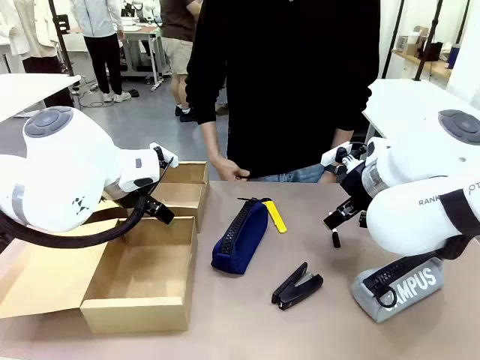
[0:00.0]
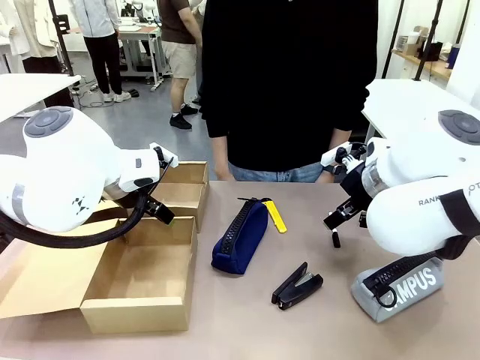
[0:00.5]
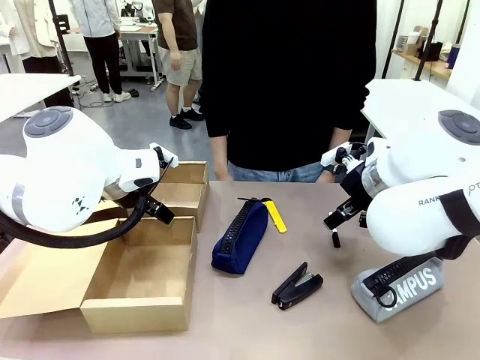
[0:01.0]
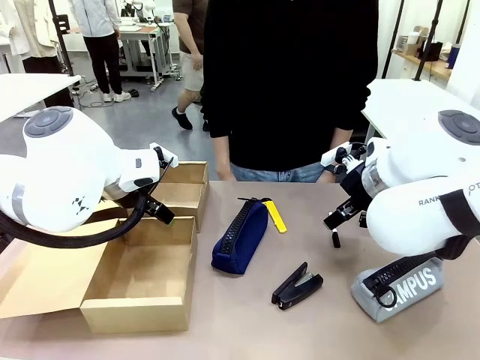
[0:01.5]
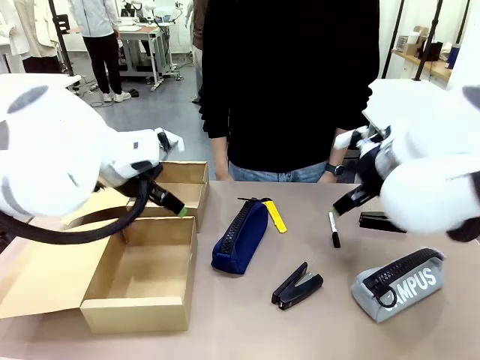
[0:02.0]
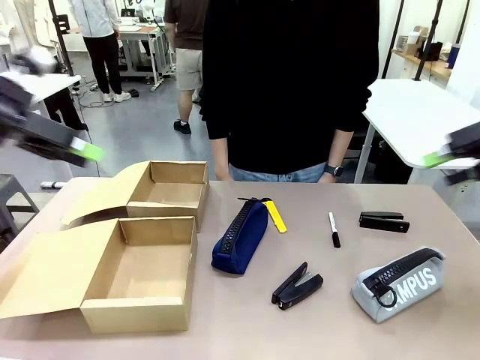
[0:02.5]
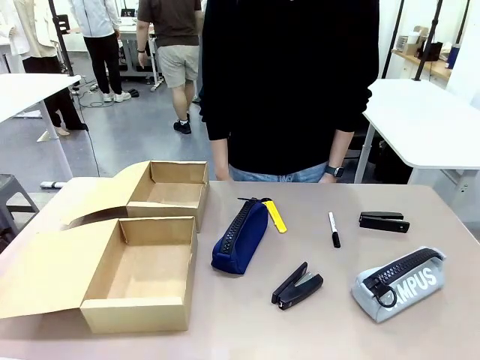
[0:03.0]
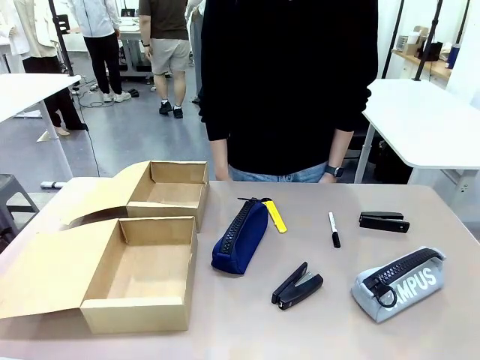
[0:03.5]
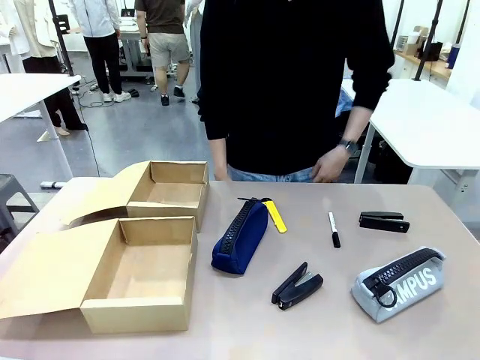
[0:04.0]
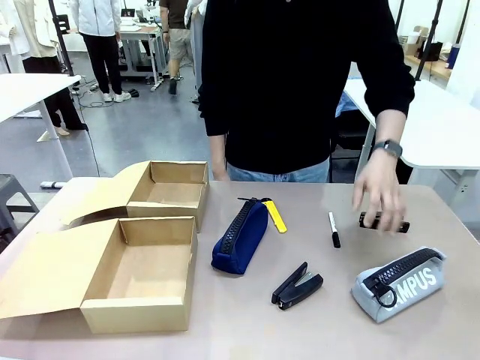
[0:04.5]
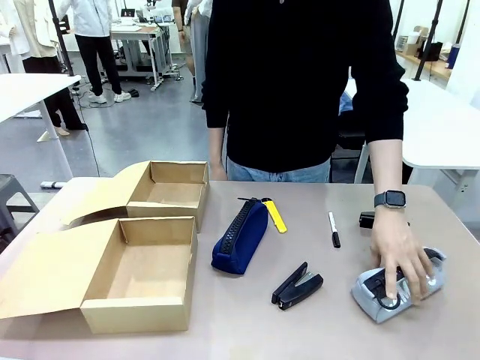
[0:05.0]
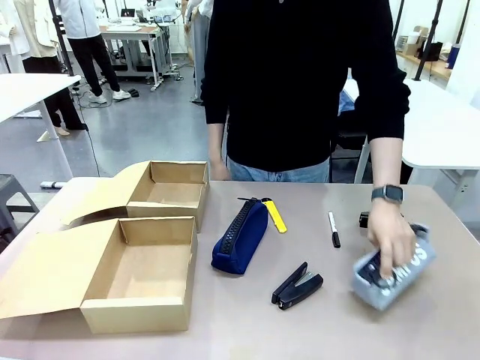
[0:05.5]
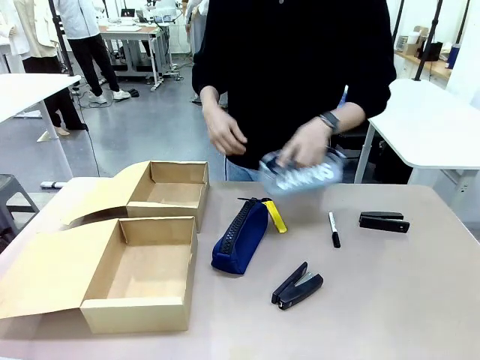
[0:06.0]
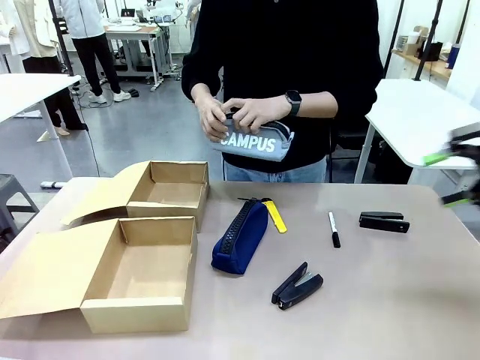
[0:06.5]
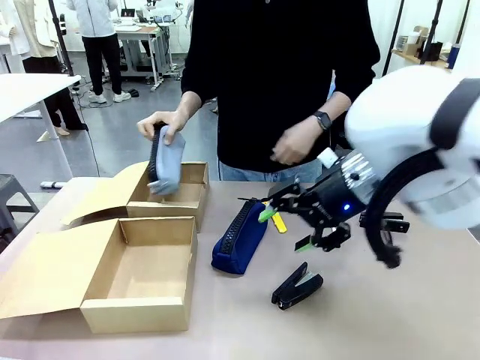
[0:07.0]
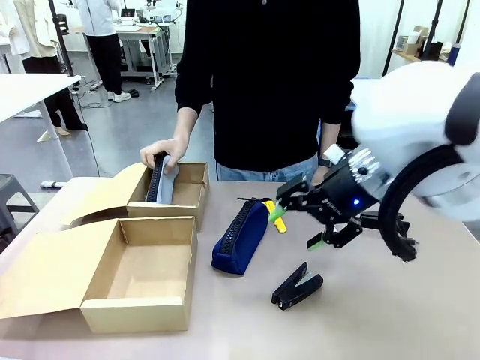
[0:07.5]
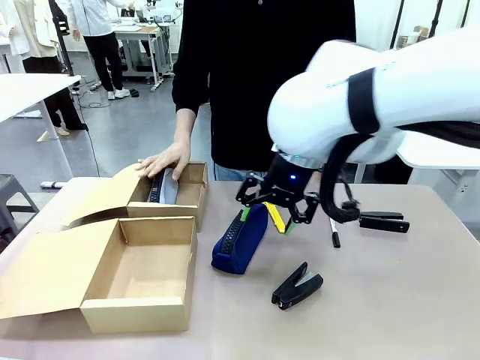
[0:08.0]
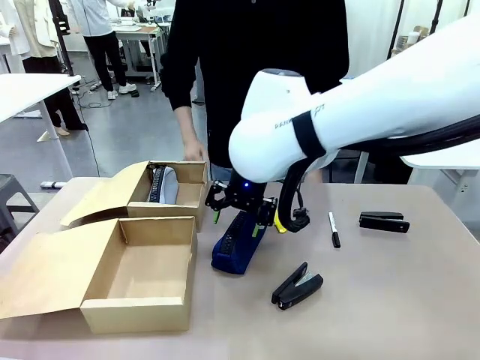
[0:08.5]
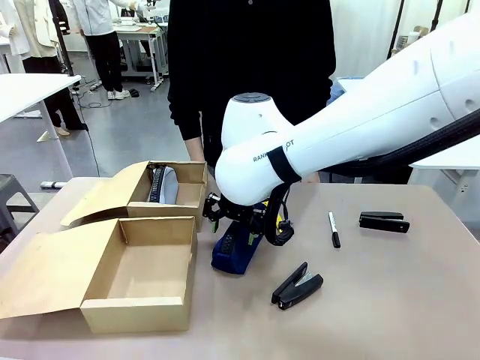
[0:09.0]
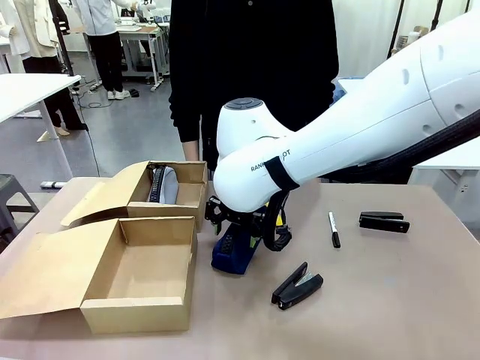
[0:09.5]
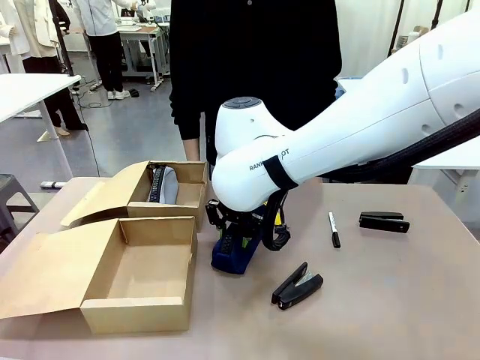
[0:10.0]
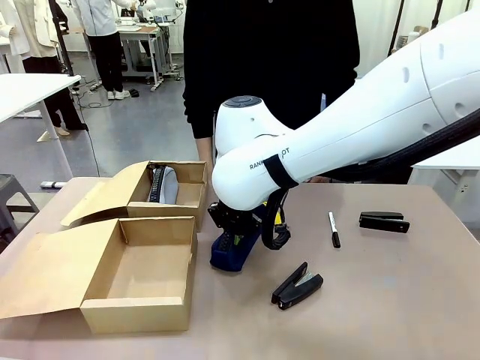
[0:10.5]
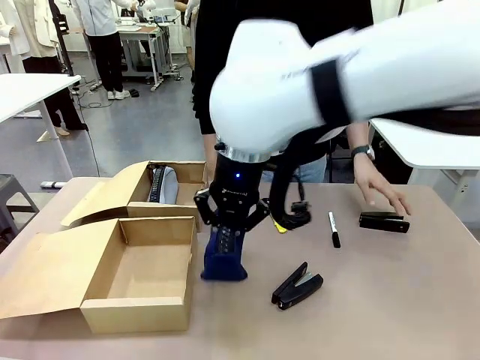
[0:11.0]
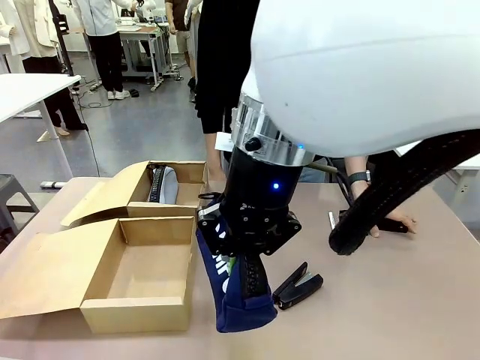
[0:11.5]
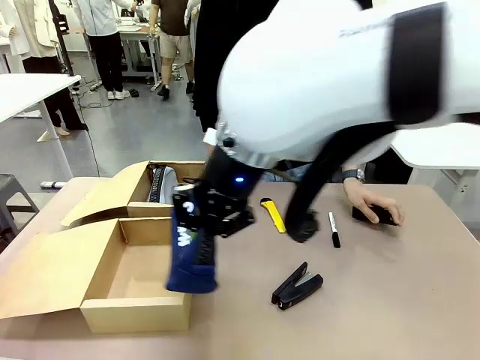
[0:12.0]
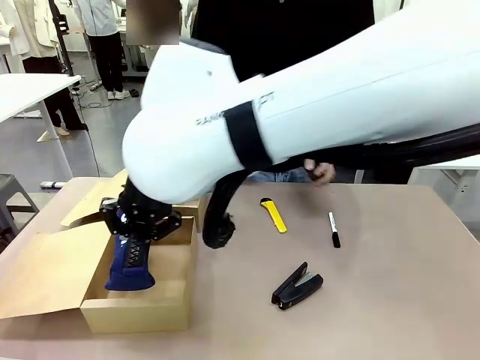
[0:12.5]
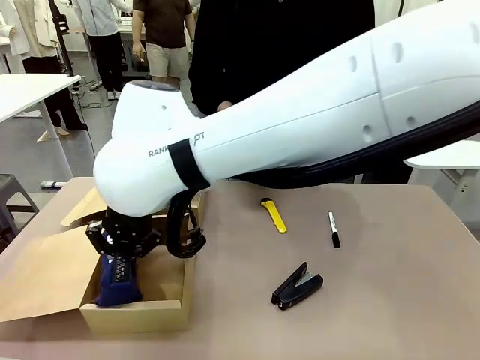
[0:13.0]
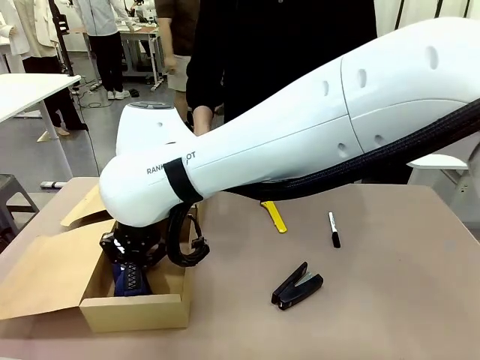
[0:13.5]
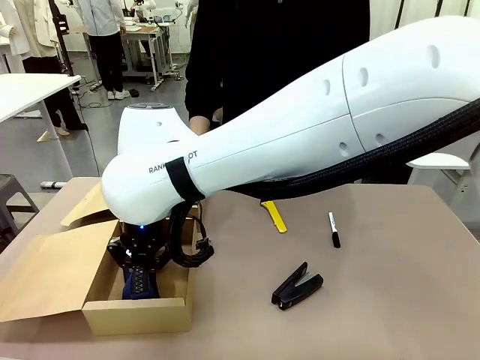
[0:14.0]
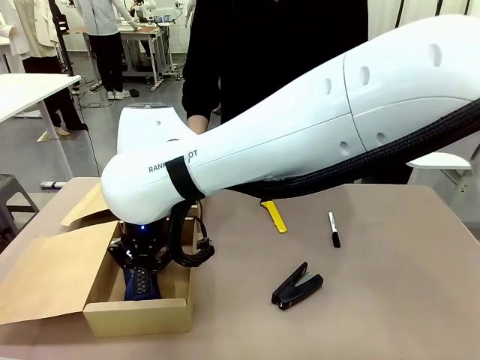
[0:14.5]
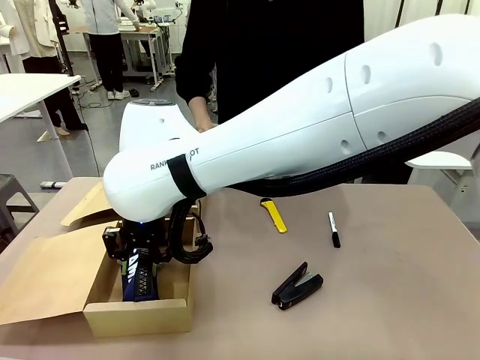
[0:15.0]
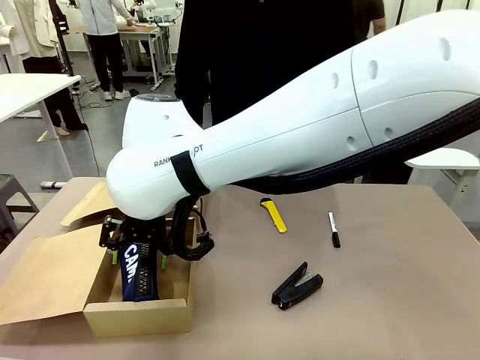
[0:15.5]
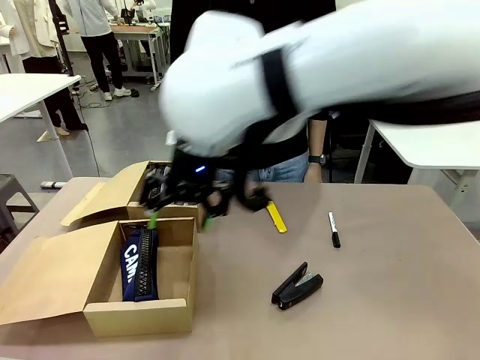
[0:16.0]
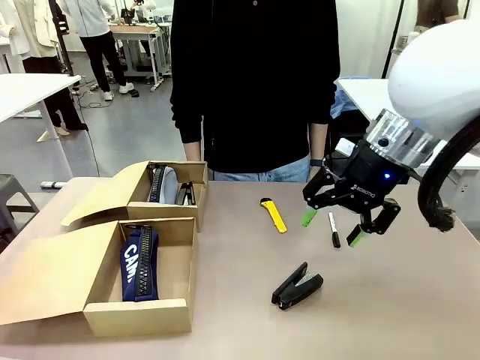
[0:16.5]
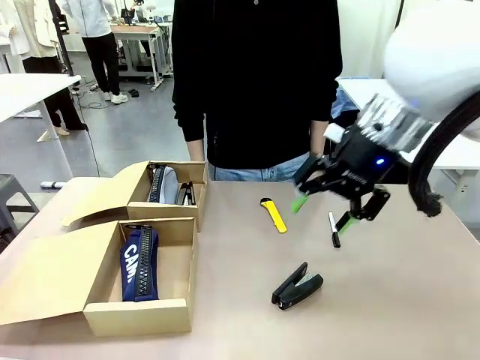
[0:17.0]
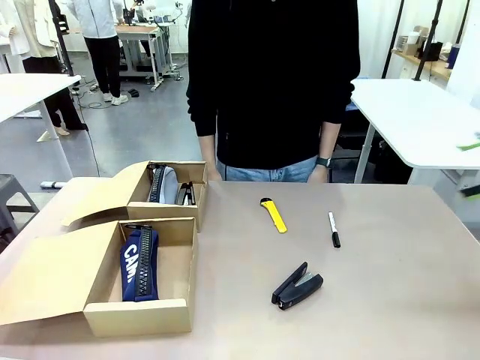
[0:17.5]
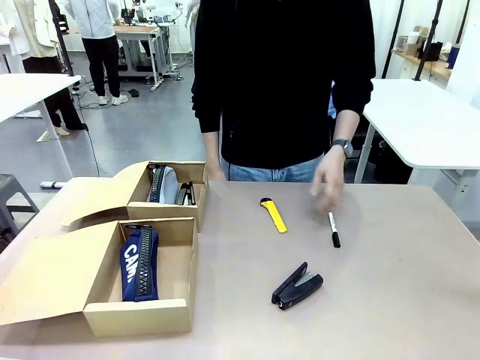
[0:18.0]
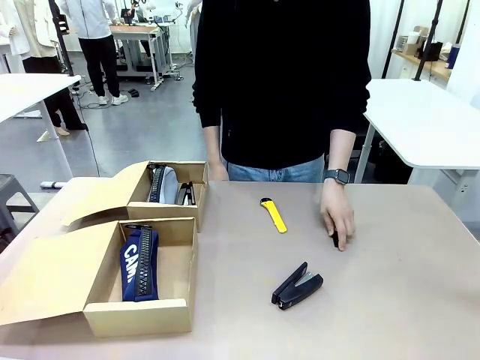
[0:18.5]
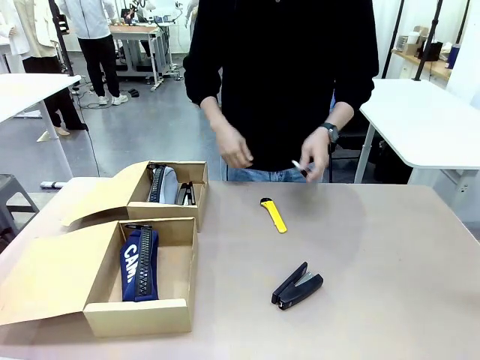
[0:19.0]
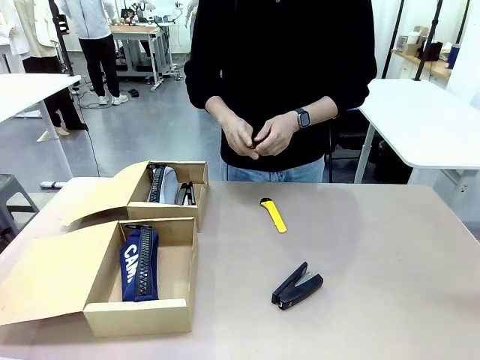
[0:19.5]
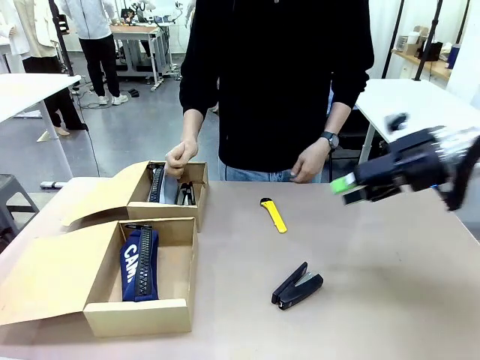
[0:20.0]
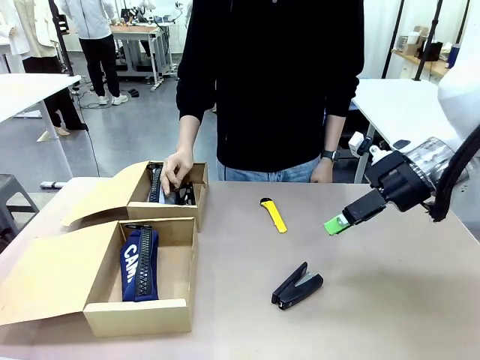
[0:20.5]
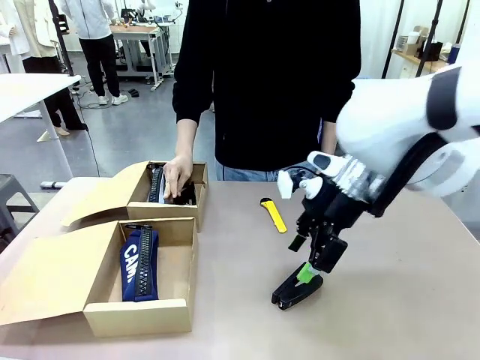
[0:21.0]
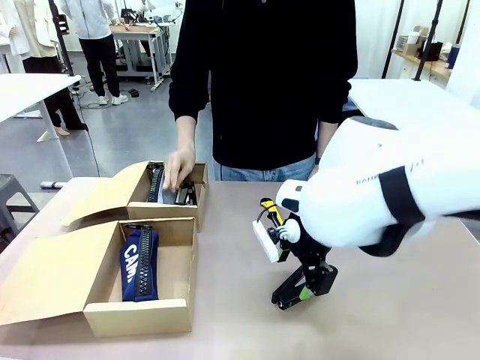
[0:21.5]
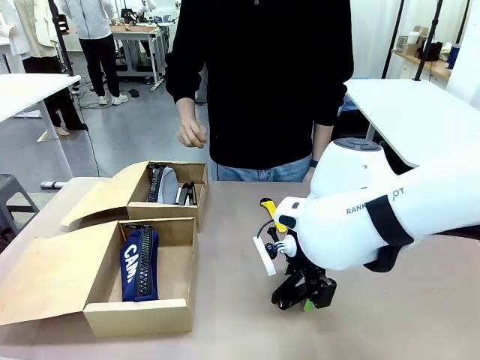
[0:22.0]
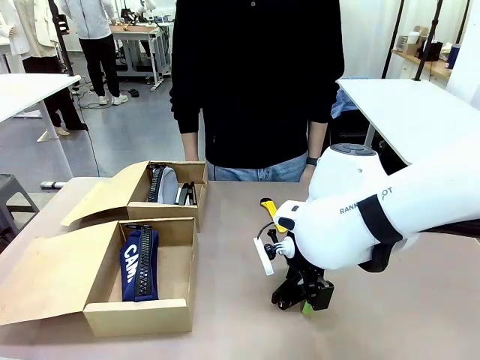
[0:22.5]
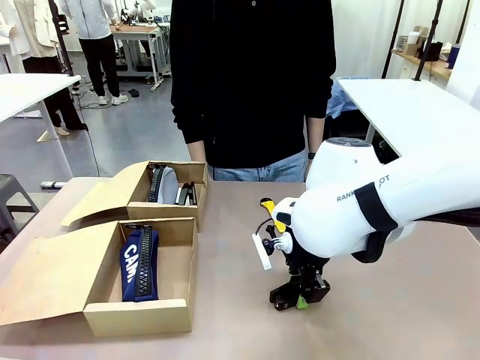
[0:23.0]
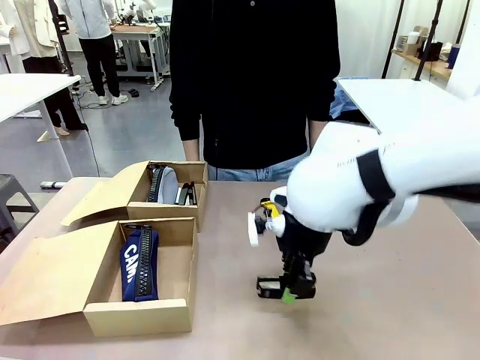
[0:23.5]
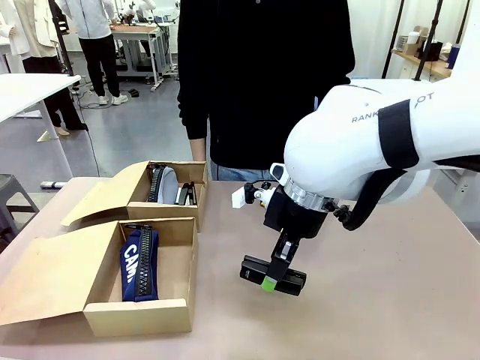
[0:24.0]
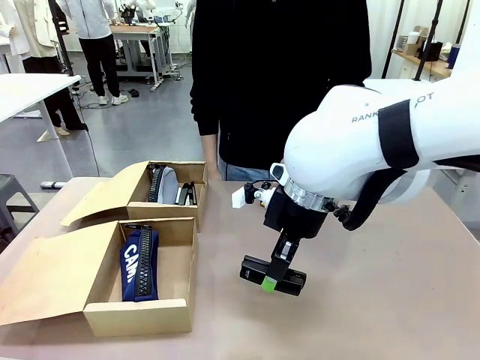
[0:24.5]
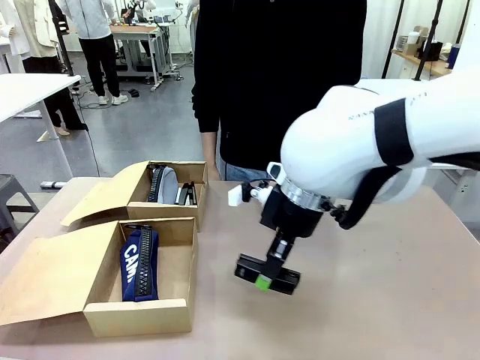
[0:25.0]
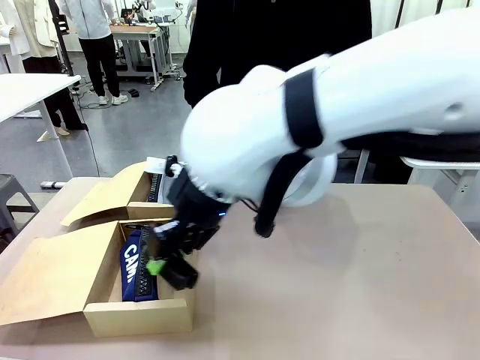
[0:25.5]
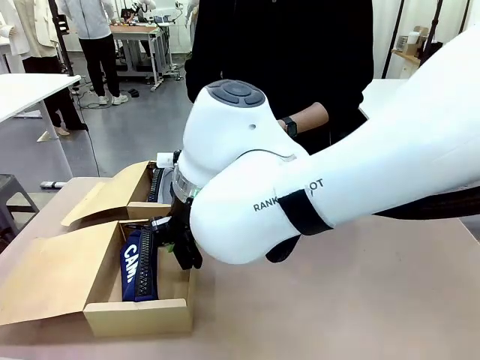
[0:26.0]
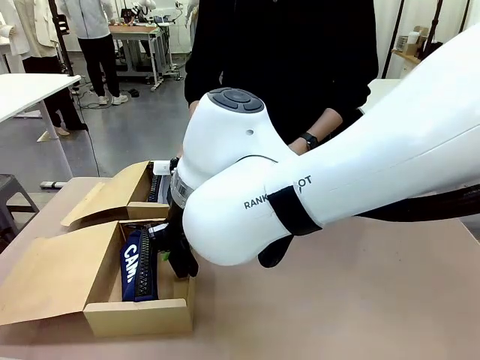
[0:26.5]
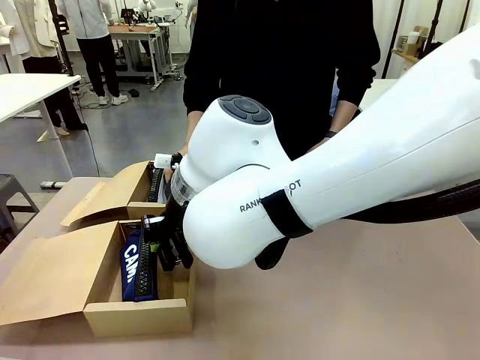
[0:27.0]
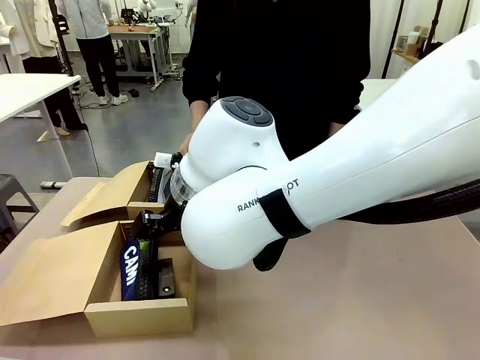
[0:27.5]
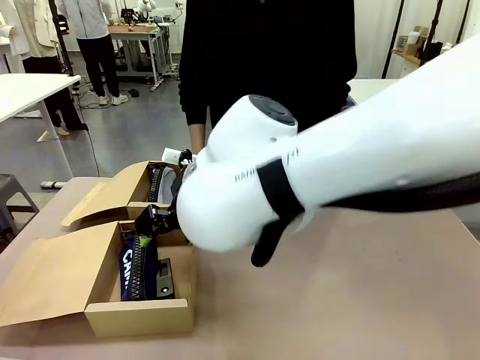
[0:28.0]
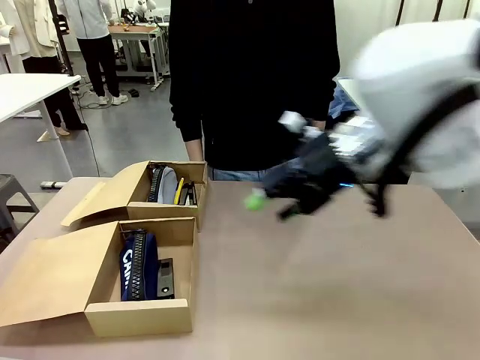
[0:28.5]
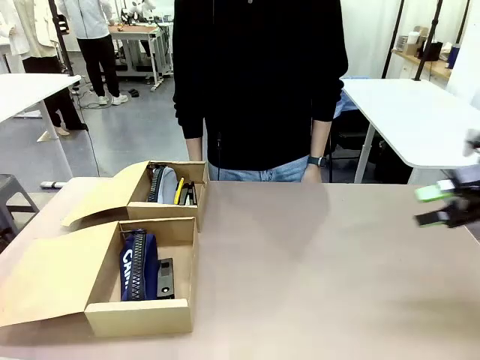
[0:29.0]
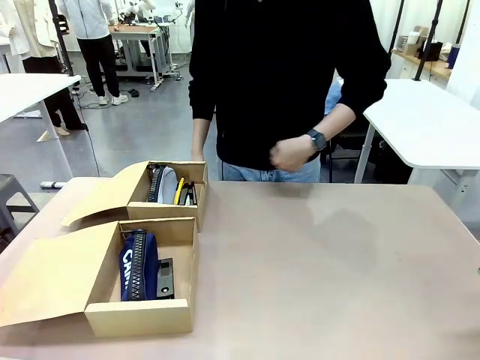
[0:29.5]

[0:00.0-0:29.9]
Task: Place items inside the box.
Robot: Pick up a Pencil pouch or Stapler and place it inside the Mailer Box closest to the robot.
Person: Pick up an object on the table and put it in the box.
